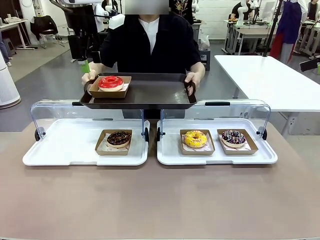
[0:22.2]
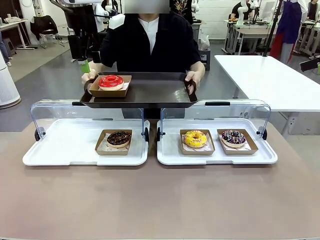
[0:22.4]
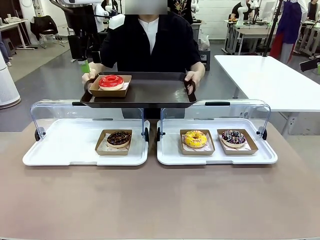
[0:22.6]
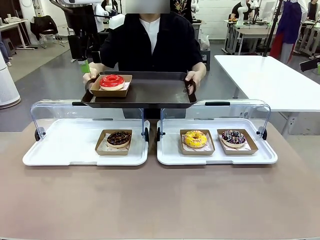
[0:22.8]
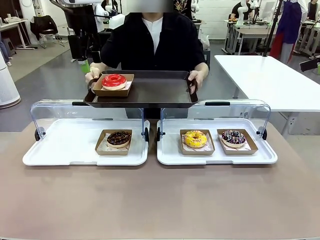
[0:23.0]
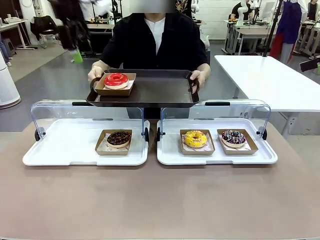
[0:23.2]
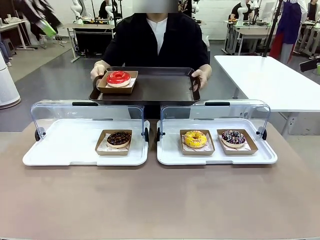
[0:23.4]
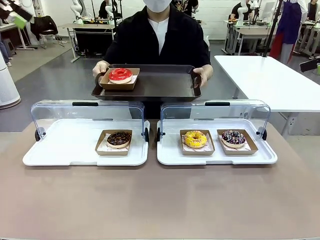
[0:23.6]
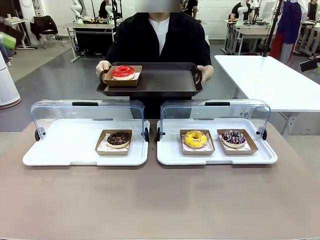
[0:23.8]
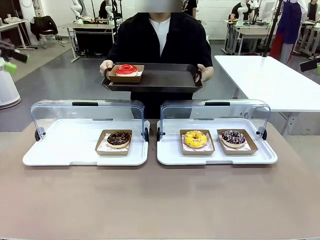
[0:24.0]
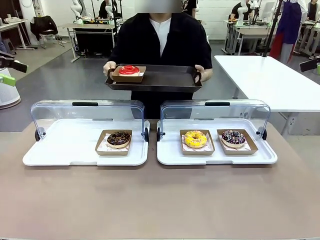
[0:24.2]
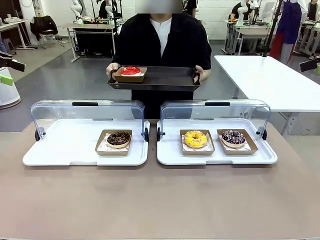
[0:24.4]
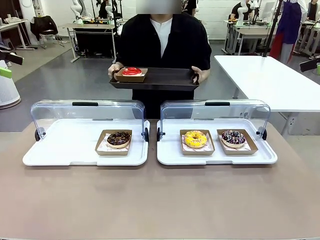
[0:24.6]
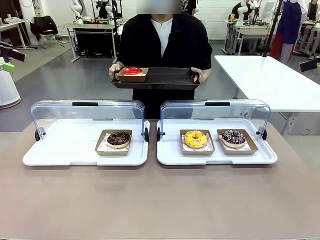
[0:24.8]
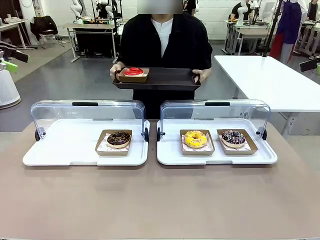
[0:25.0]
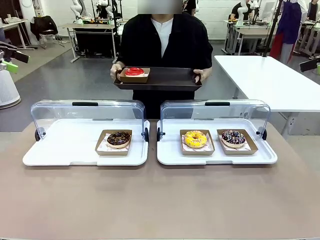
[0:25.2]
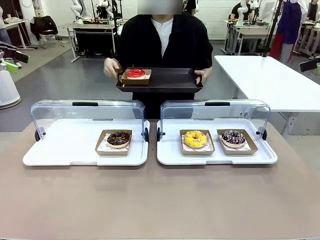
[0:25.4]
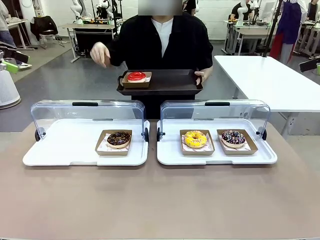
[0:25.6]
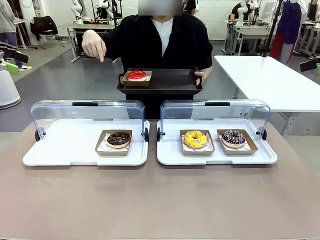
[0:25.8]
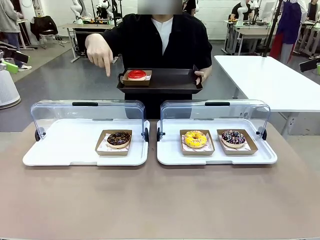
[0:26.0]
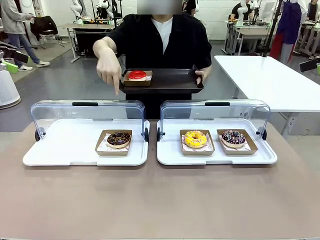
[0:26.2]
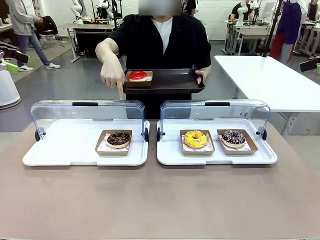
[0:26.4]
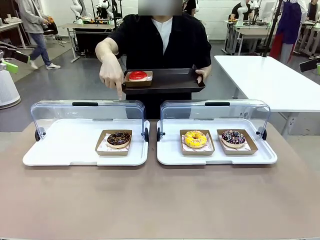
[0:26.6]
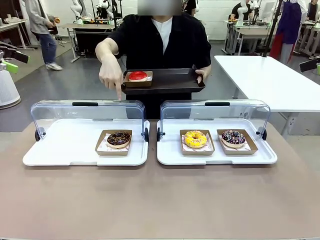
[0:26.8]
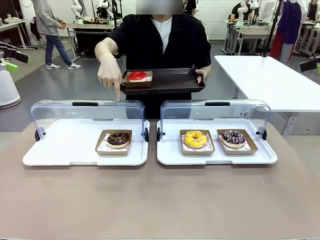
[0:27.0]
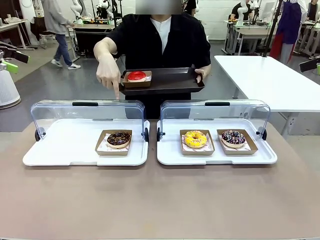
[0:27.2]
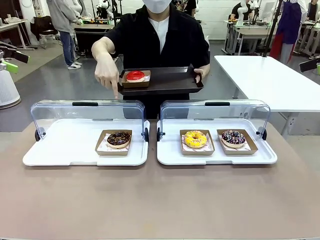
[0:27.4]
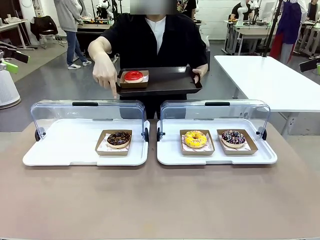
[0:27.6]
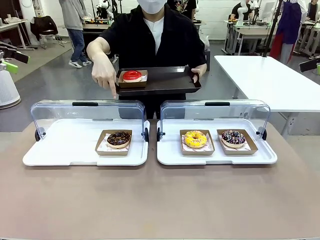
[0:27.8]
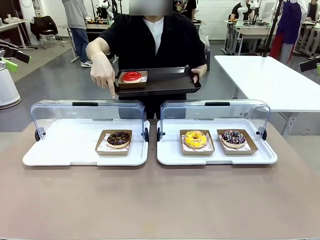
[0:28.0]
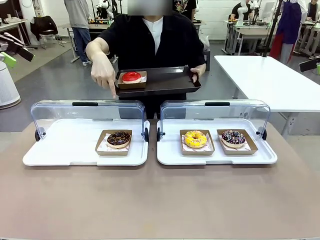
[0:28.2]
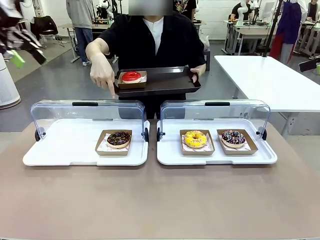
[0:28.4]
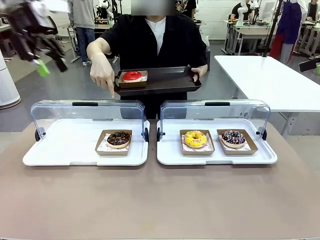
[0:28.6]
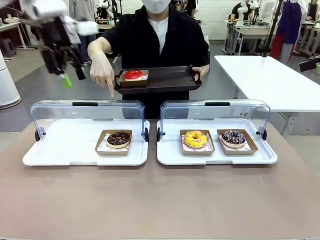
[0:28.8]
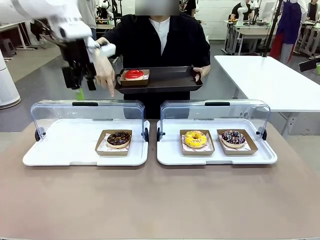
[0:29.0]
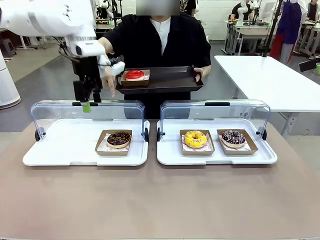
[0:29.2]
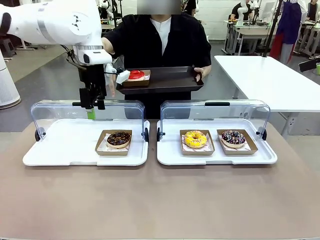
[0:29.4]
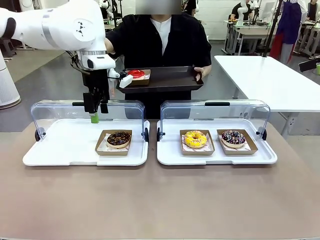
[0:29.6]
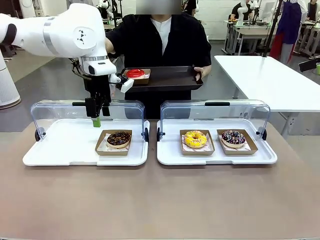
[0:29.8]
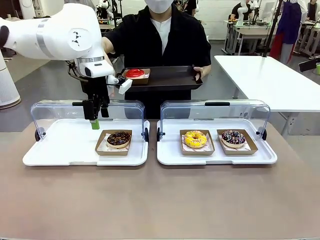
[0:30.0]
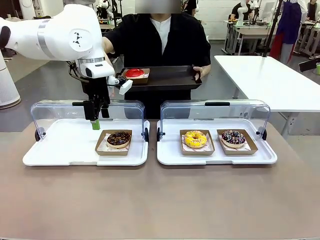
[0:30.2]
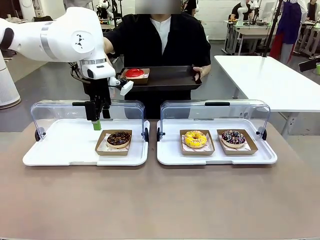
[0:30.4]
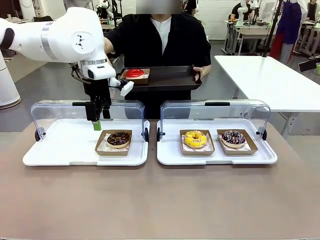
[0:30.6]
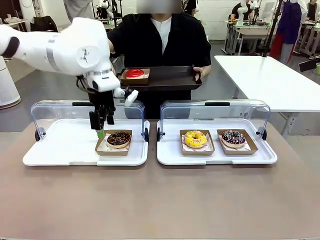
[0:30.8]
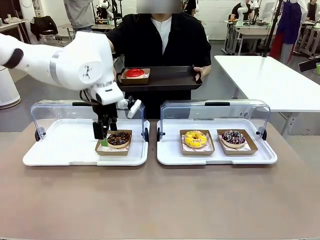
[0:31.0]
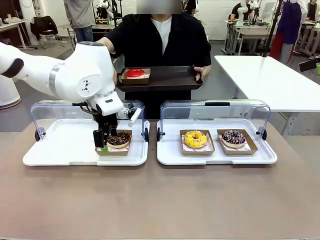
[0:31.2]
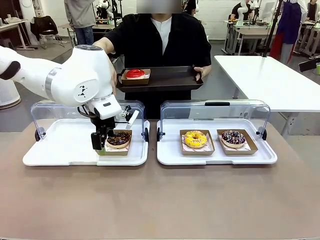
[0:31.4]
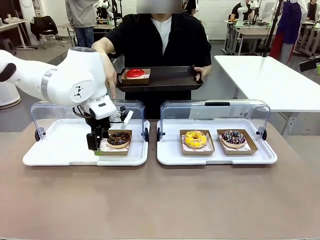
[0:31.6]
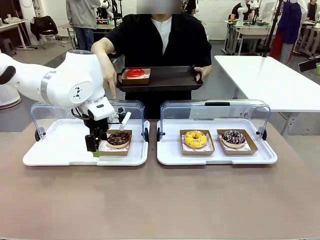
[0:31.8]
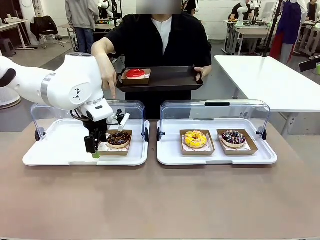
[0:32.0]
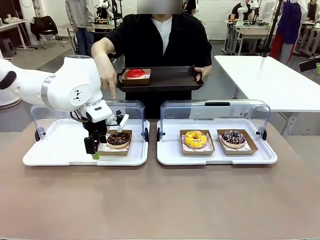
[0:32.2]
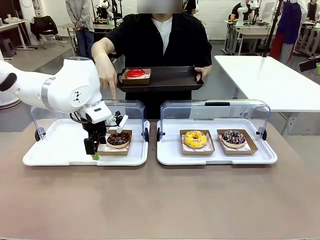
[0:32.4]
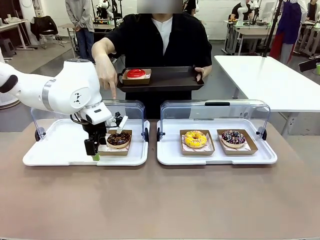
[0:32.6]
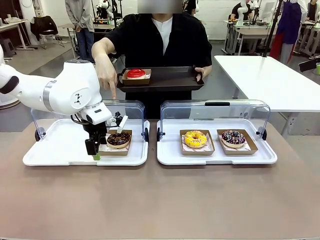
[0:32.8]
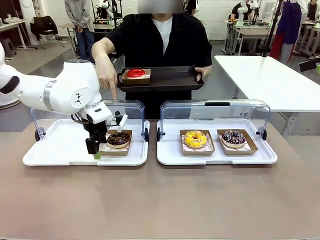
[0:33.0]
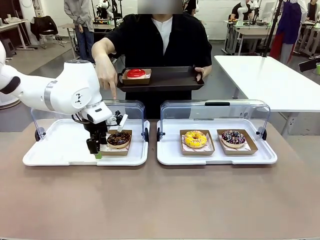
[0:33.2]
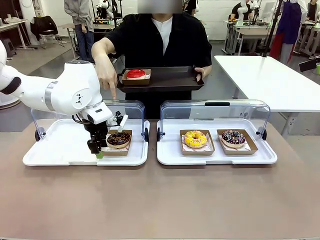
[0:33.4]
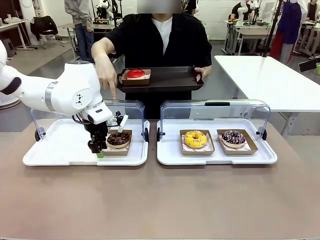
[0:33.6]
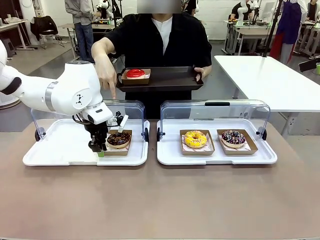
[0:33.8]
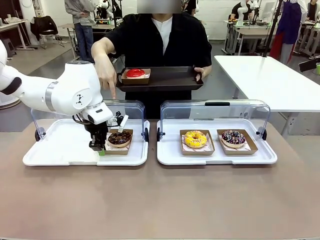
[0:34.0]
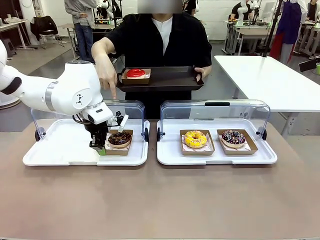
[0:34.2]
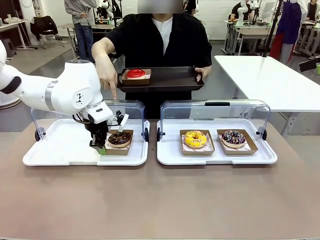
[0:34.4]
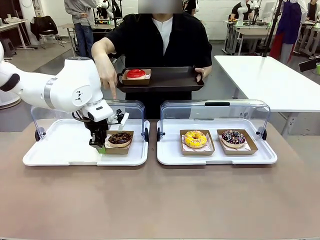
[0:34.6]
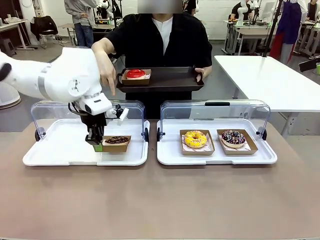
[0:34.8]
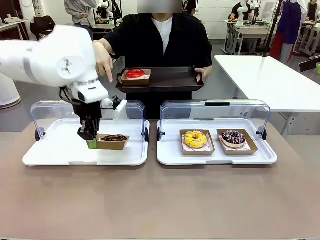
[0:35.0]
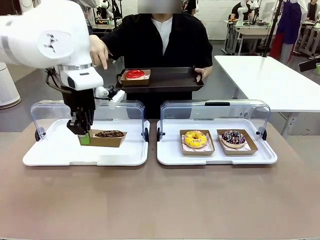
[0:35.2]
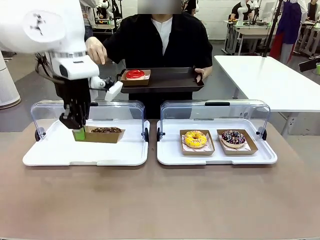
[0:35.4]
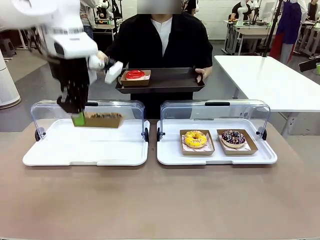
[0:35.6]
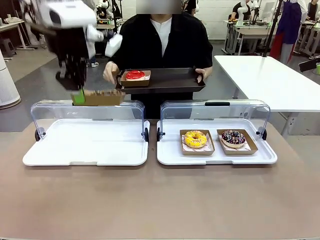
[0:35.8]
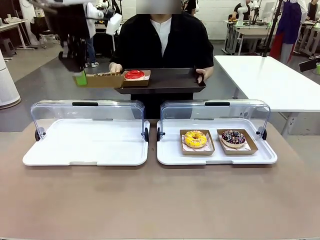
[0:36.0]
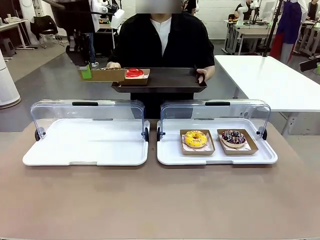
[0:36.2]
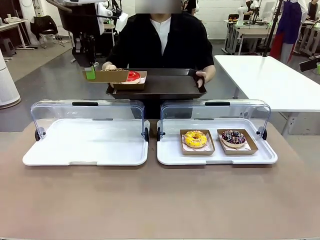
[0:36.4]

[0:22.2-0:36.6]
Task: Provide the desired donut to the person.
Robot: Pick up and lift the Paper togo box containing the Donut pointed at by the person.
Person: Point to one donut. Lift the tray onto the Roll-Top Bakery Case.

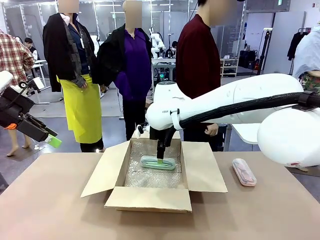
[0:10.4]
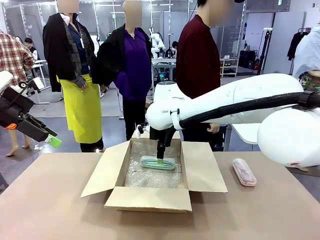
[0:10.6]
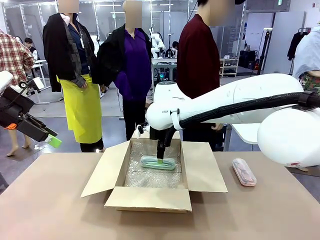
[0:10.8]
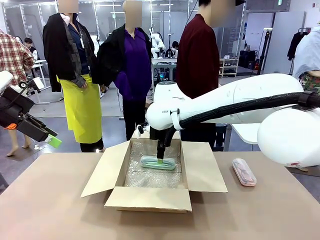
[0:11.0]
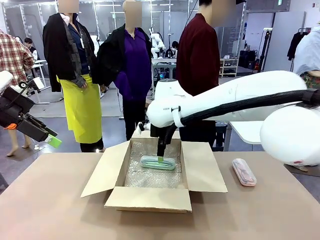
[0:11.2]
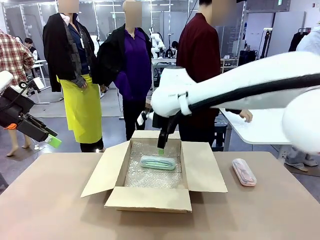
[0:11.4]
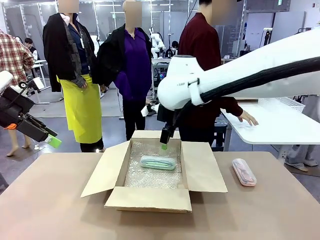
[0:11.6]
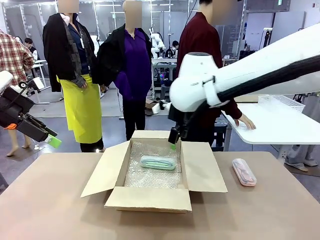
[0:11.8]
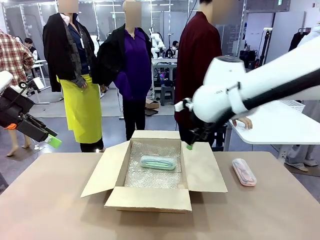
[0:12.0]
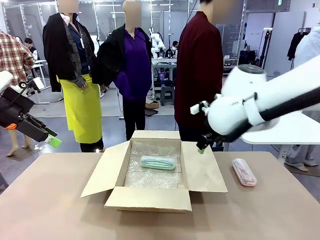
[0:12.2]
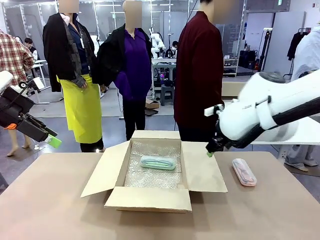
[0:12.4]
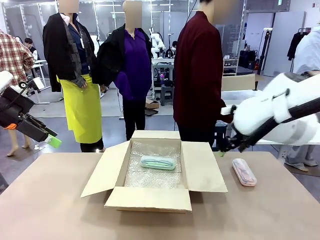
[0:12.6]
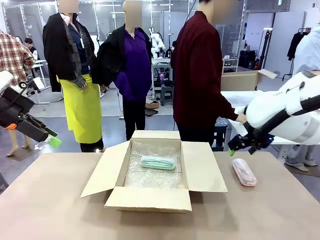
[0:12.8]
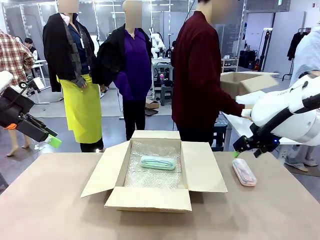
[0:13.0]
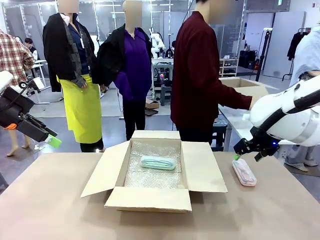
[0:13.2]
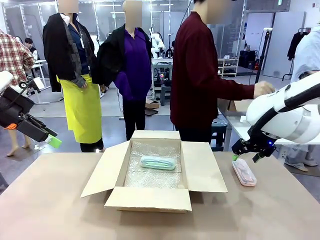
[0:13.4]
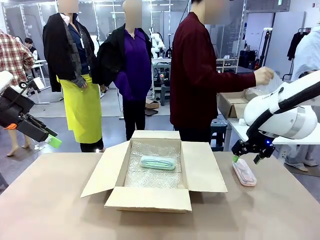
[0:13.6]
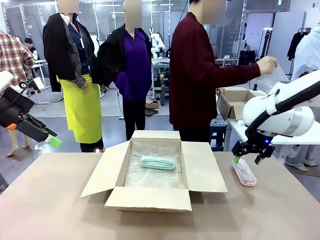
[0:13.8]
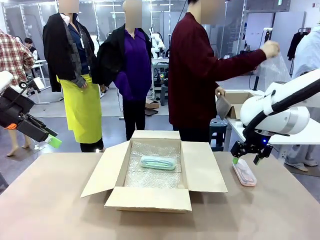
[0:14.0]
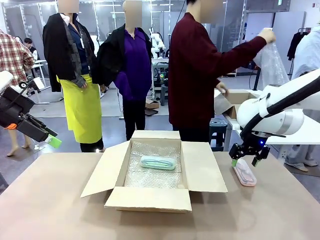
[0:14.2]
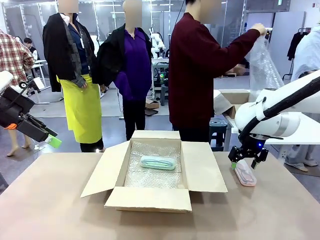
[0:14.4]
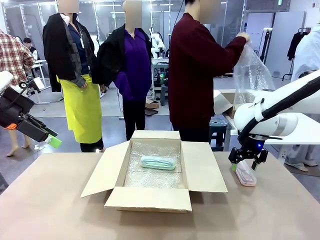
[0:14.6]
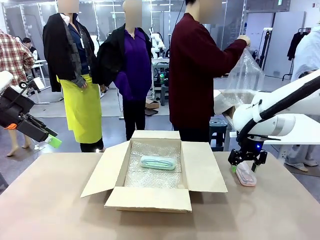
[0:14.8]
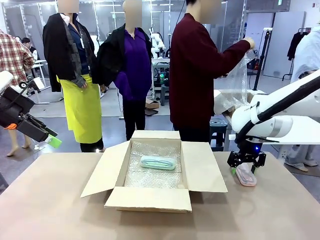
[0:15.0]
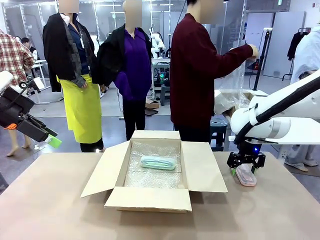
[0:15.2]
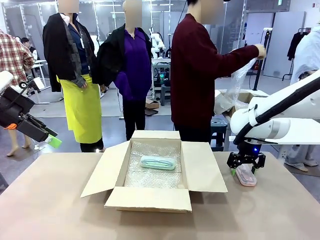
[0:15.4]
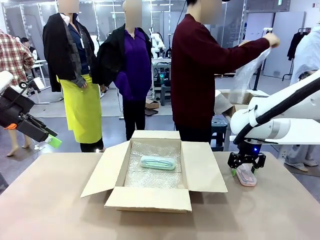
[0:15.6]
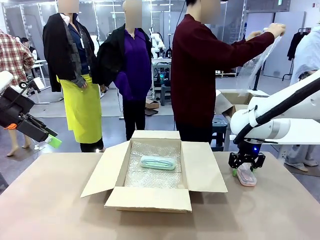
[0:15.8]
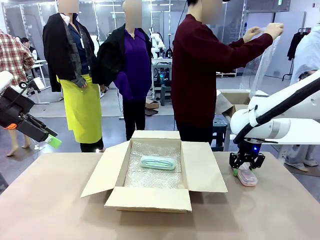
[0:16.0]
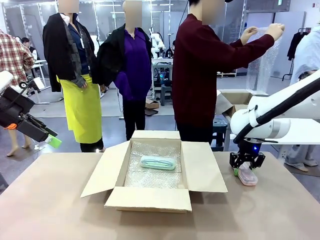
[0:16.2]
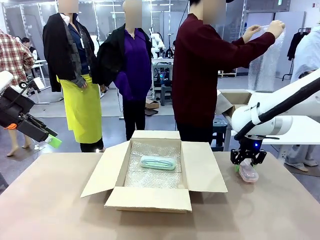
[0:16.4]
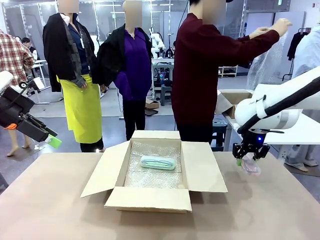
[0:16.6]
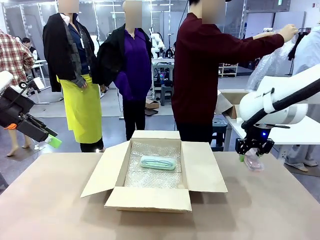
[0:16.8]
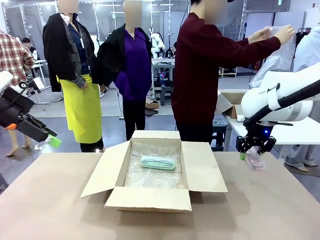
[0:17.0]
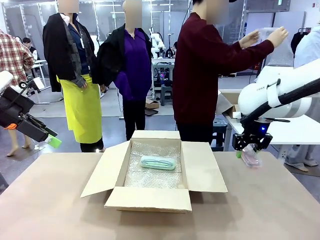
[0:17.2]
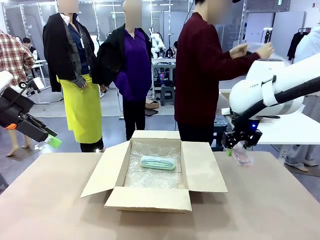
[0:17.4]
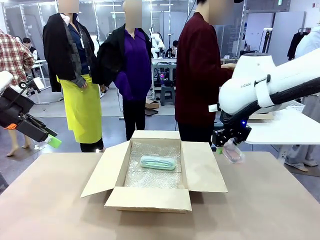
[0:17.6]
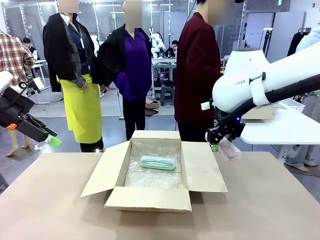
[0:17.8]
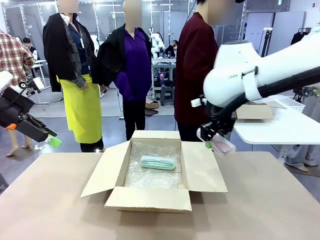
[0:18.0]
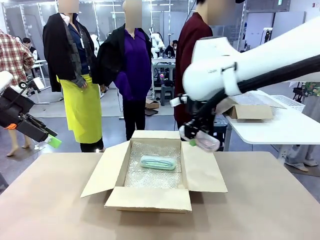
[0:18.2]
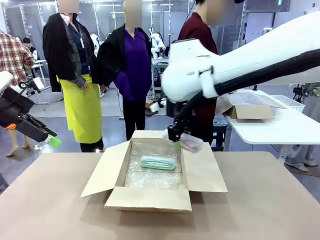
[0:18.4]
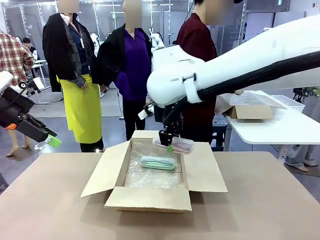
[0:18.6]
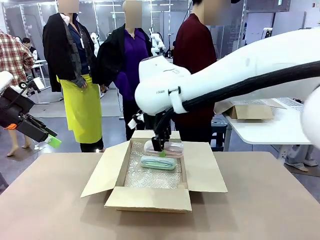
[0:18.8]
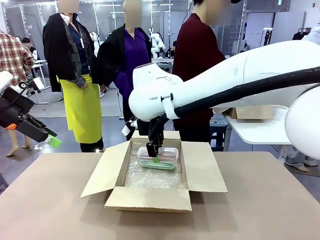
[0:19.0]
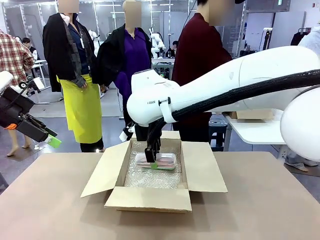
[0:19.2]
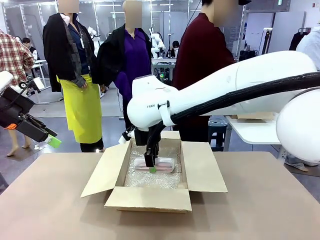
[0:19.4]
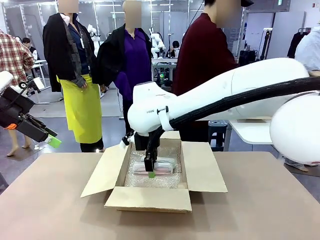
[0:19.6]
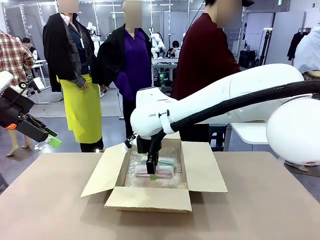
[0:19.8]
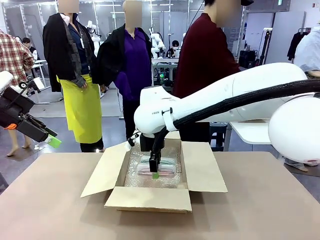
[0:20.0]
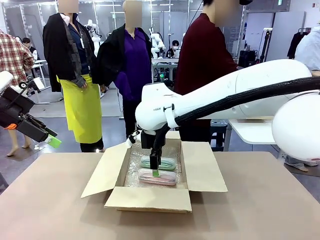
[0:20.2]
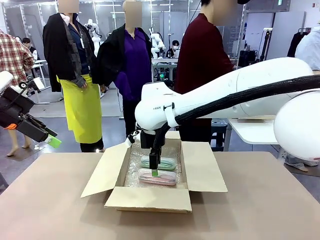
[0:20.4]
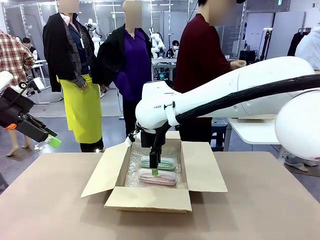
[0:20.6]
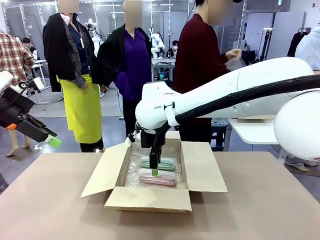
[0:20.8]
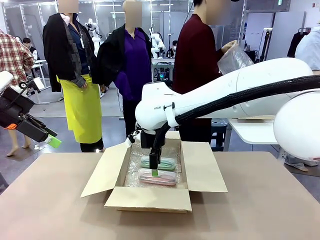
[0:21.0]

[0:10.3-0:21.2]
Task: Pack the glasses set securely to prepare it for shipping.
Robot: Put the Glasses case from the right side of the table into the Package Box.
